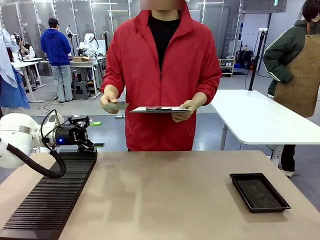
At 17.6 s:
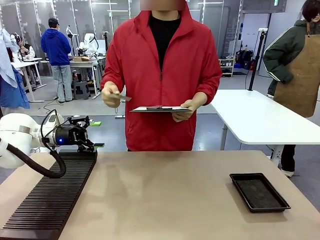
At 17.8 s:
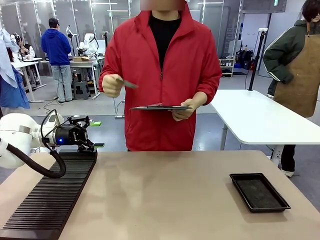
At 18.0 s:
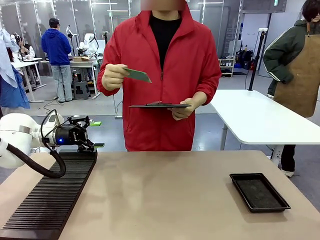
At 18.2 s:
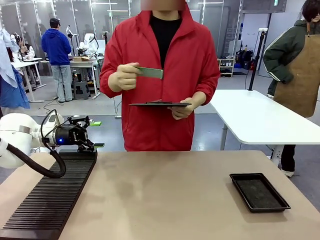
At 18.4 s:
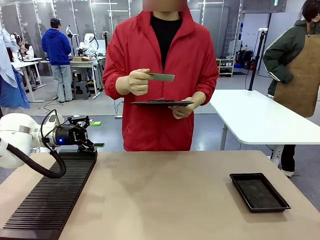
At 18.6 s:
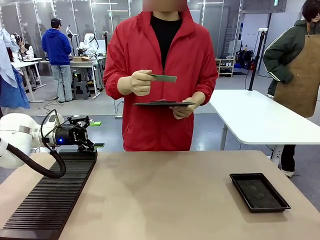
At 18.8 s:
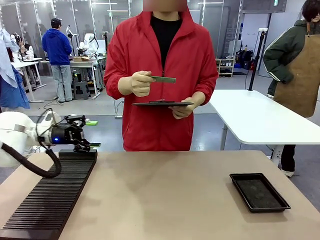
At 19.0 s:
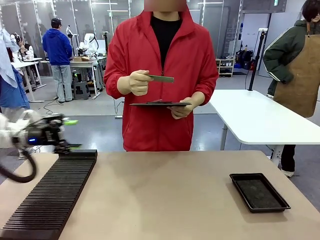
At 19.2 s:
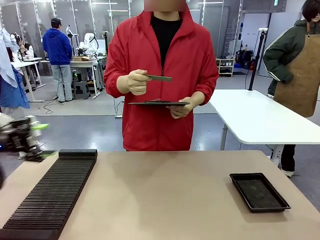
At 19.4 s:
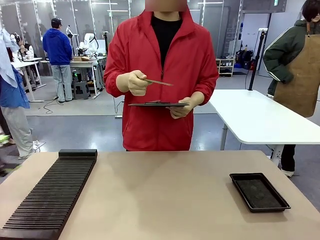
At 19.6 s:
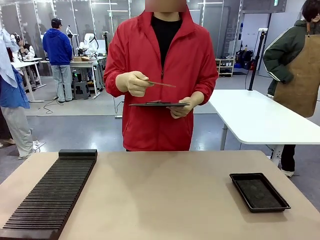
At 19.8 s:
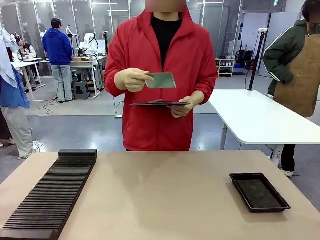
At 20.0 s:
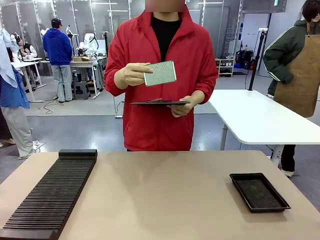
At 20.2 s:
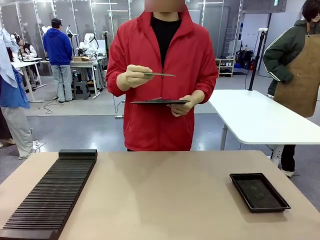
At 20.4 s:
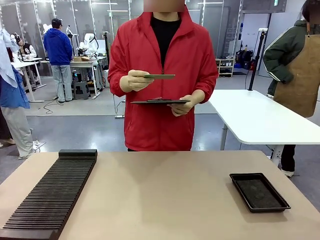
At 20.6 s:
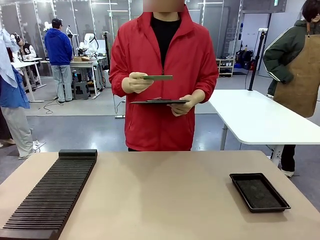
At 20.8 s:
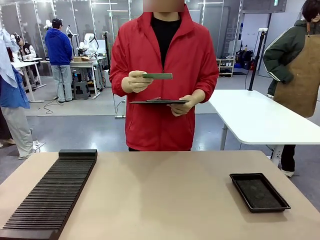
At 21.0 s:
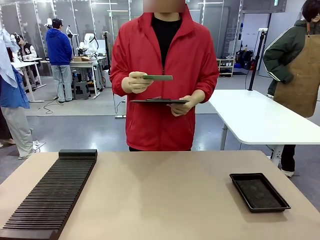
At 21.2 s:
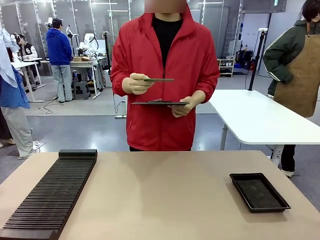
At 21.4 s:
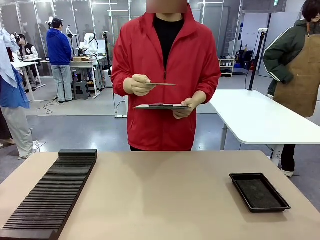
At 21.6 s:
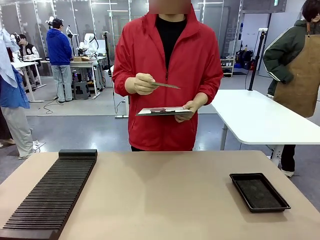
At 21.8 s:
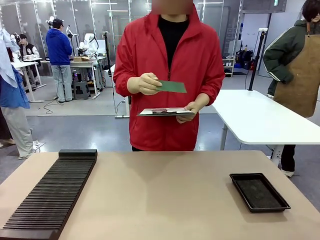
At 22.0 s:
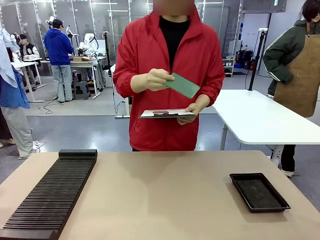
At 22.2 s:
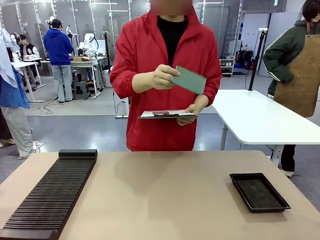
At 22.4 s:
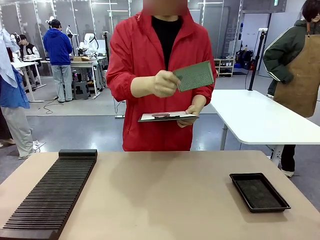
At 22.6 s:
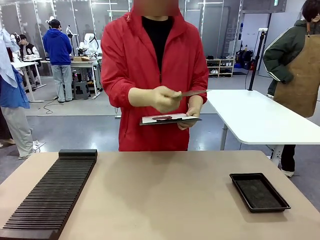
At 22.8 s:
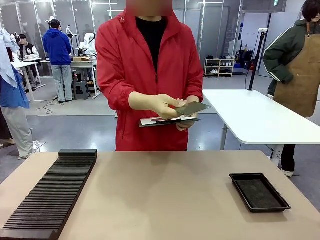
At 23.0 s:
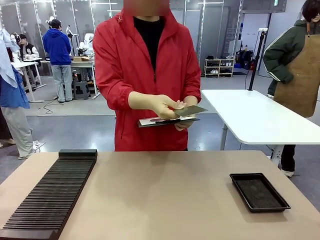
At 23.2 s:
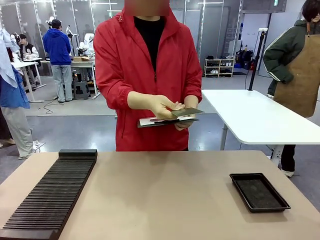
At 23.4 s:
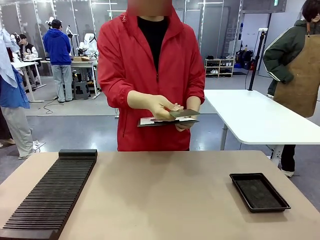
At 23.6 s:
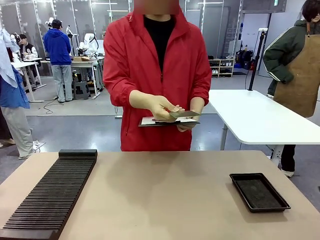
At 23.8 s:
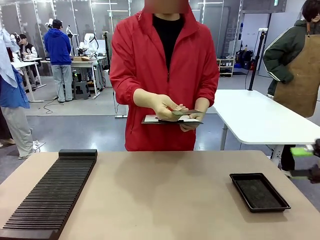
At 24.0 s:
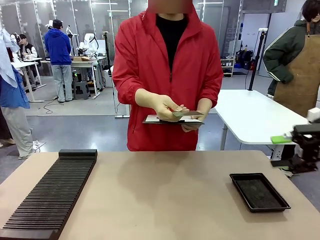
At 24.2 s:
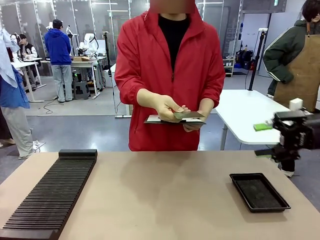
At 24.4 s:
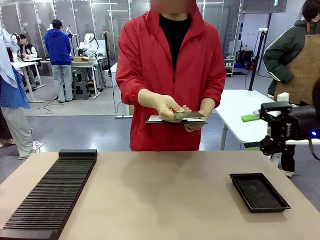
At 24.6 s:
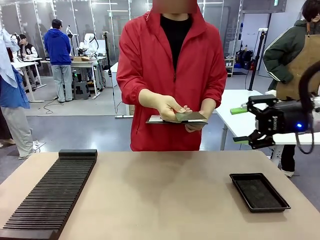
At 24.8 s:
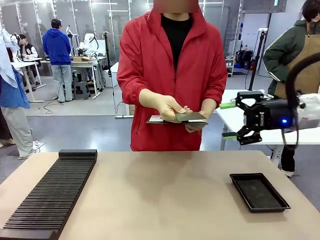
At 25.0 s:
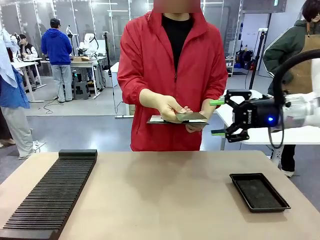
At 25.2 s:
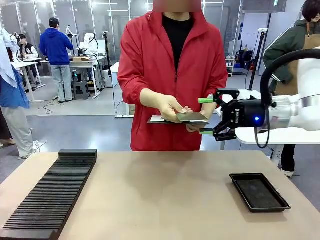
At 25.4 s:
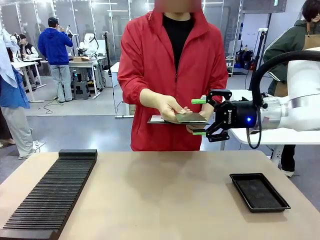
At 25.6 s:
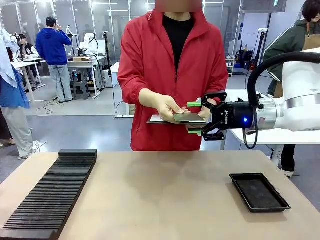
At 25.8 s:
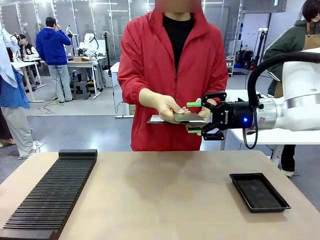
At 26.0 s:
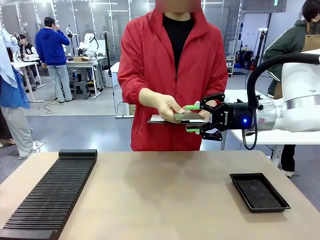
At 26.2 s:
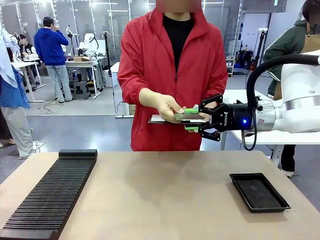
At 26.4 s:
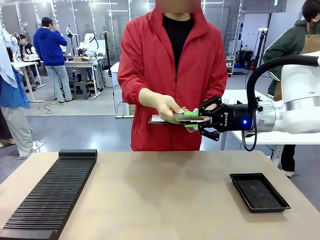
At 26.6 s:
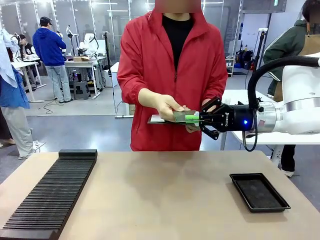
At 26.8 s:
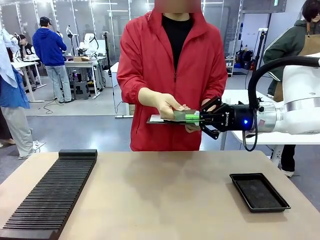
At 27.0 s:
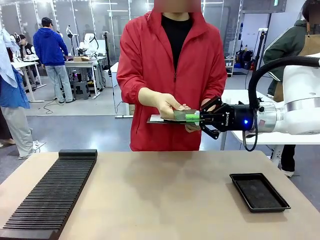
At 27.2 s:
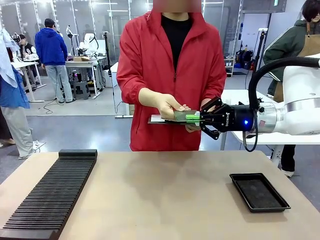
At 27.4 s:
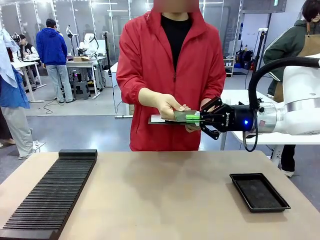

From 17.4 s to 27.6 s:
Task: Inspect the PCB.
Robot: Pick up the Blank PCB that the human is holding.
Person: Inspect the PCB placed by the robot, then hold it out in front of the robot. Release the PCB you were holding.

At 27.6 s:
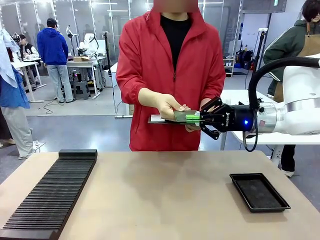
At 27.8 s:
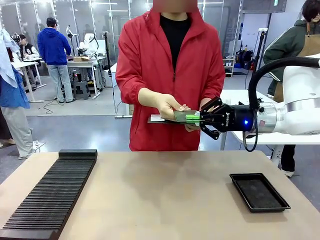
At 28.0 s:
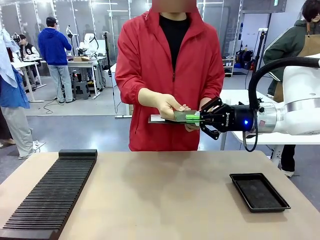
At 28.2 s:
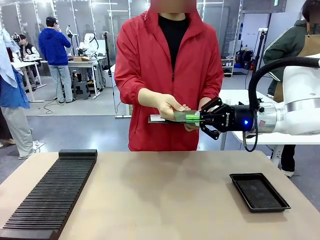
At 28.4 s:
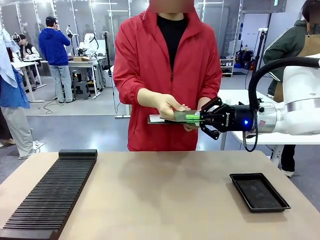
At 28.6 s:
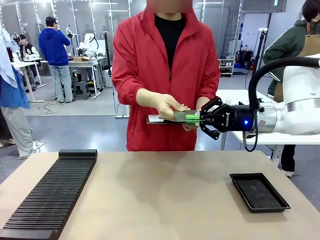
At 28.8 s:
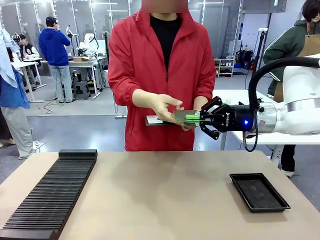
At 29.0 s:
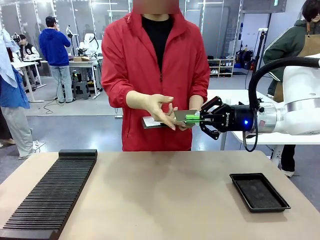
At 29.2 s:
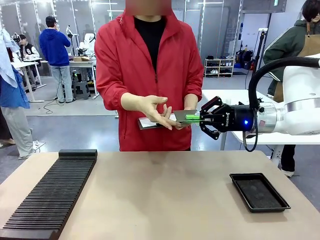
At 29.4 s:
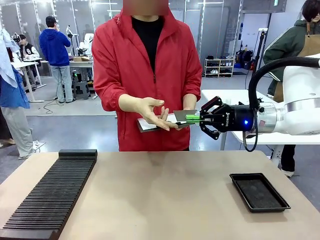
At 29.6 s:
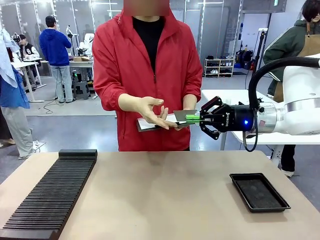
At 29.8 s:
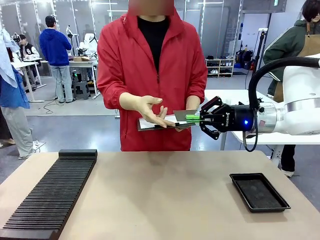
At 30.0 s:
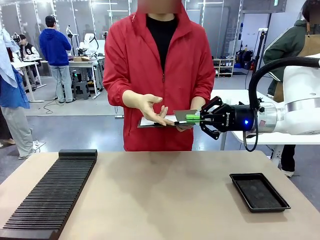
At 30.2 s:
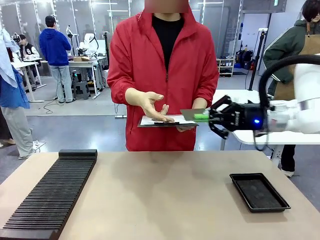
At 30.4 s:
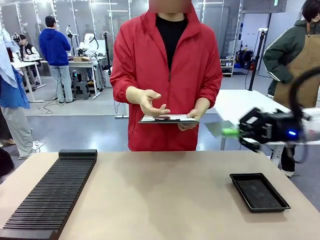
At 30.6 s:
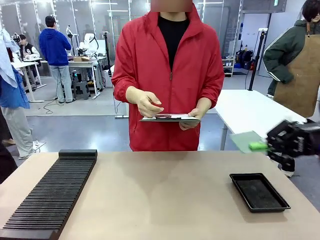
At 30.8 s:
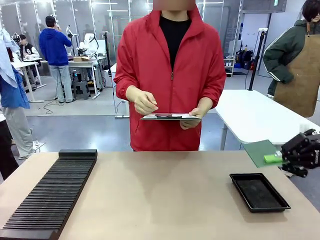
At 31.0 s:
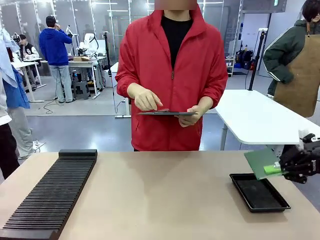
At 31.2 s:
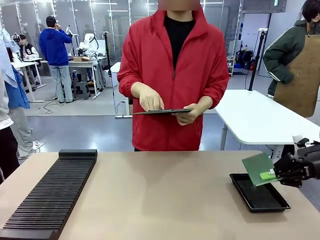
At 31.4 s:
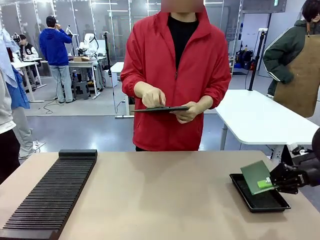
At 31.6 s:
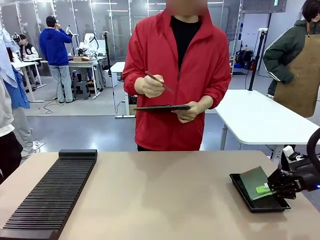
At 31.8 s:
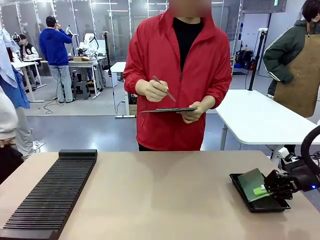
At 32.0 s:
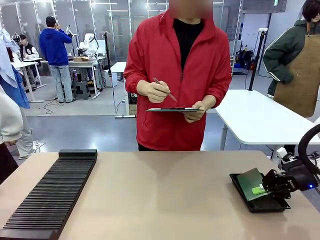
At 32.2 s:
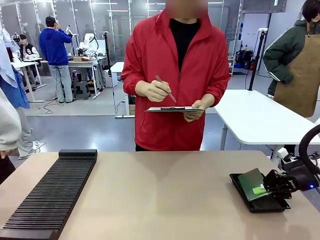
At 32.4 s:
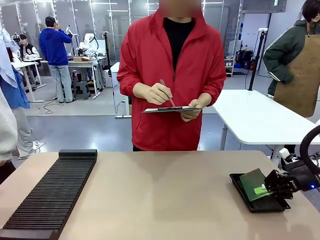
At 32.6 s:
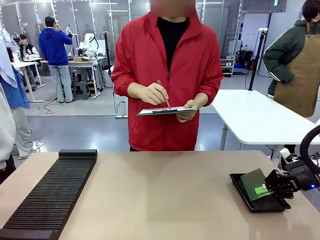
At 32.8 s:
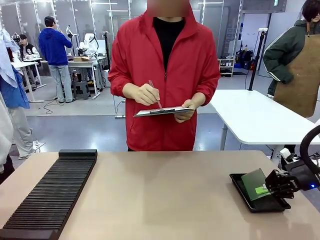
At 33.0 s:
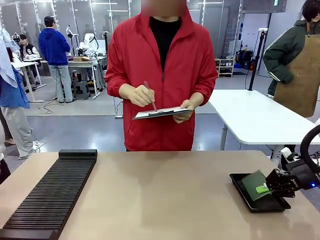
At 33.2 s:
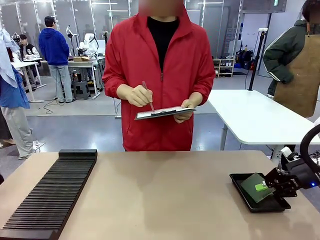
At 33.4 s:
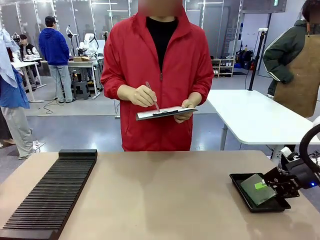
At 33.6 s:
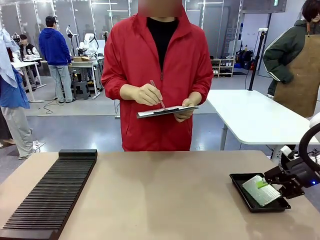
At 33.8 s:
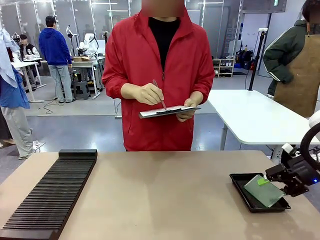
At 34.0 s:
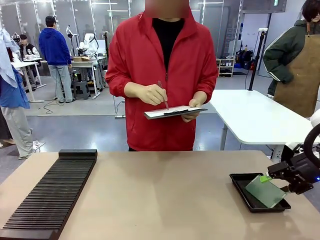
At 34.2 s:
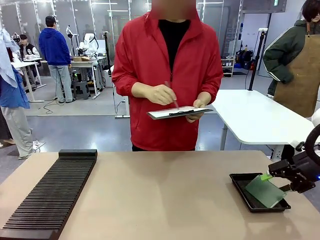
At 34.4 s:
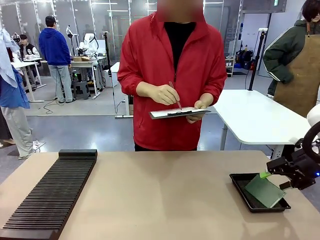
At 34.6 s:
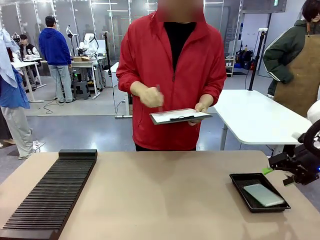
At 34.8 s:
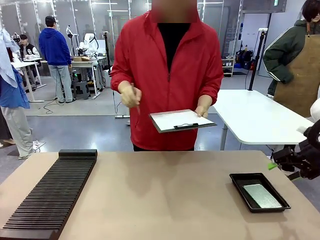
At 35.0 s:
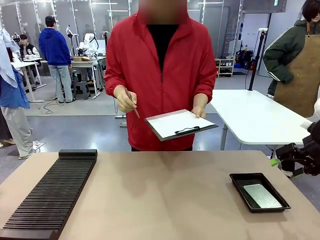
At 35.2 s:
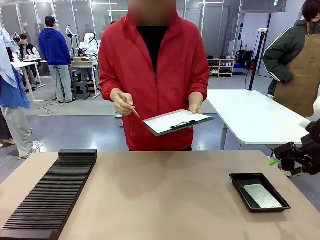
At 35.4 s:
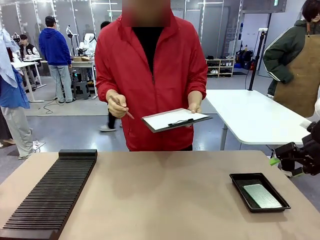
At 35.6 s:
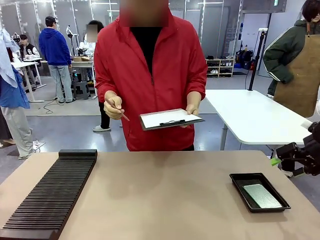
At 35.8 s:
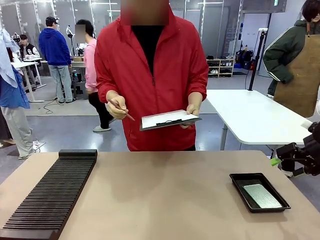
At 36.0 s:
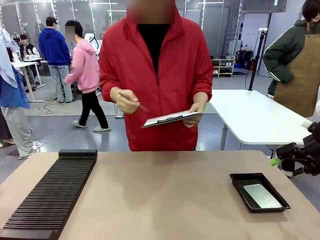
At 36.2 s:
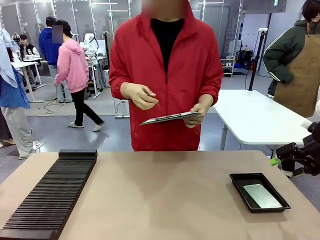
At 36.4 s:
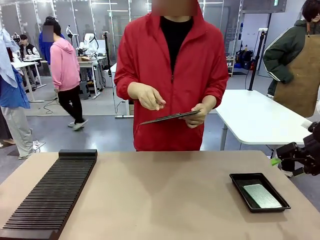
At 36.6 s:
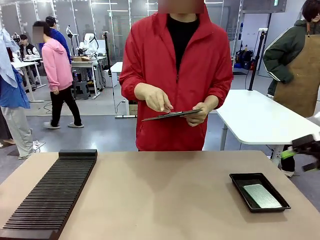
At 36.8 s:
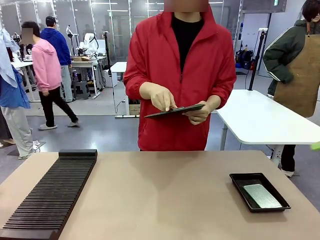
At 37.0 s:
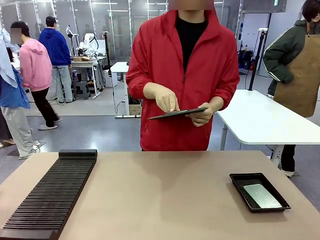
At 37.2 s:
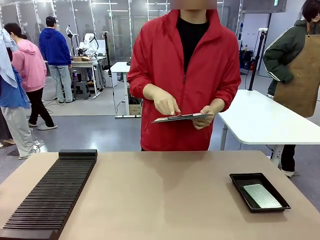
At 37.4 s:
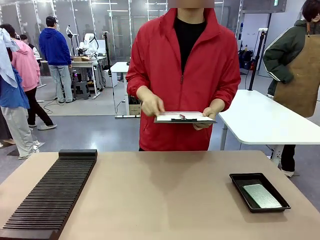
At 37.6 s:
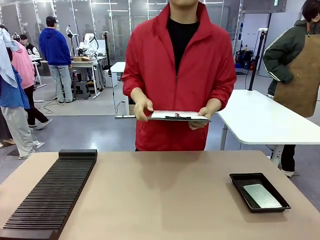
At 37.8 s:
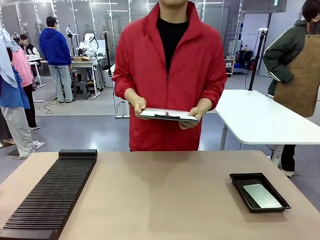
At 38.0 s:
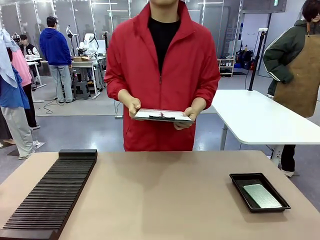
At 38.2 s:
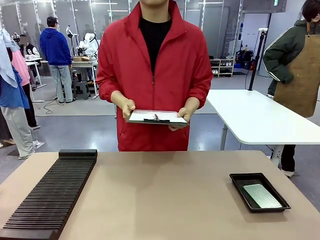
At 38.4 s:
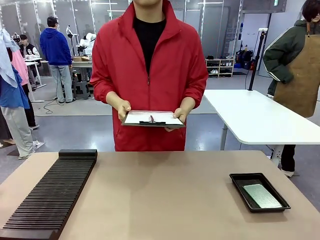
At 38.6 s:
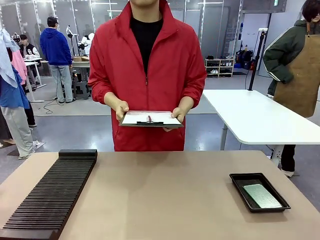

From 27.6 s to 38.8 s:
Robot: Place the Blank PCB in the ESD tray.
Person: Record the PCB status on the paper.
